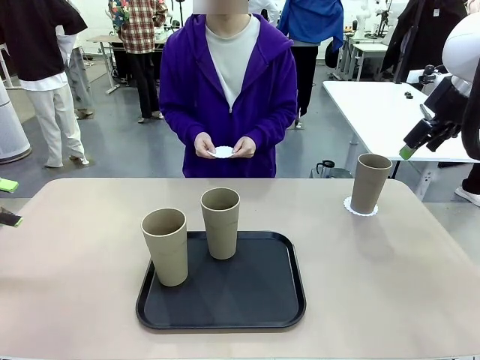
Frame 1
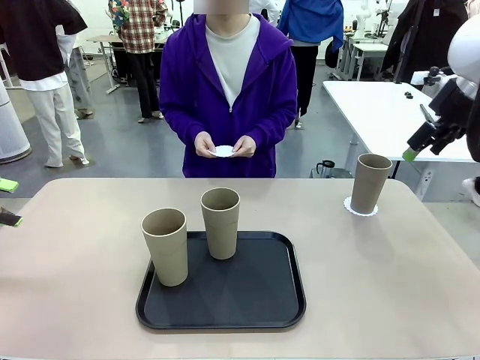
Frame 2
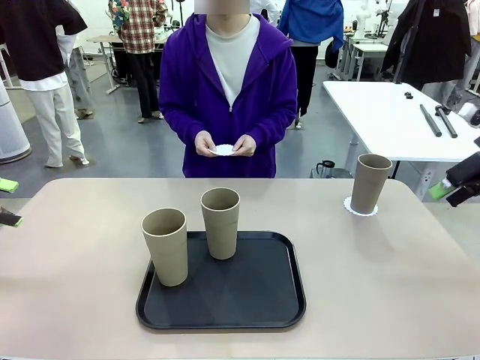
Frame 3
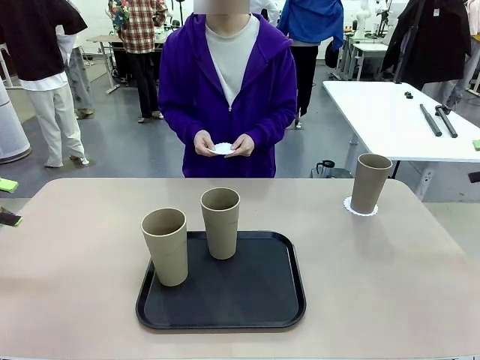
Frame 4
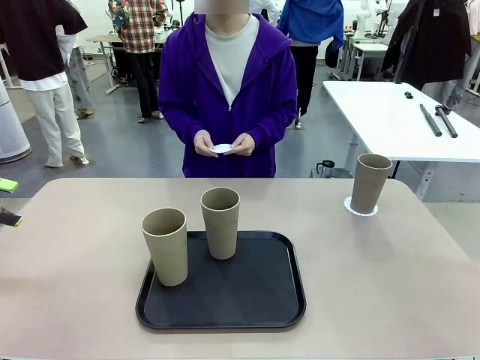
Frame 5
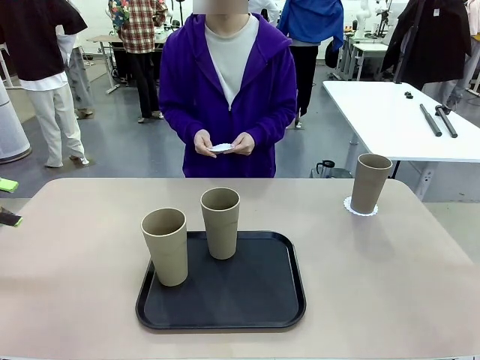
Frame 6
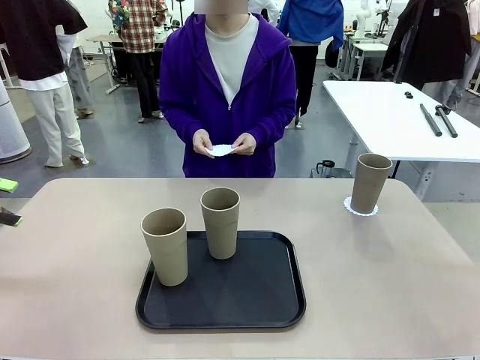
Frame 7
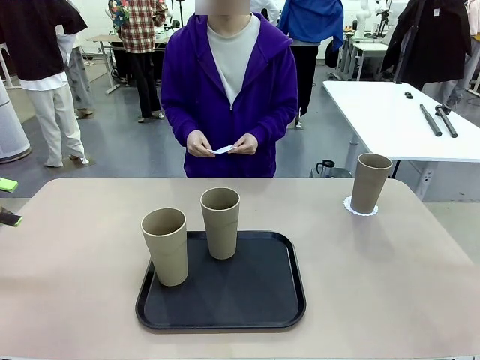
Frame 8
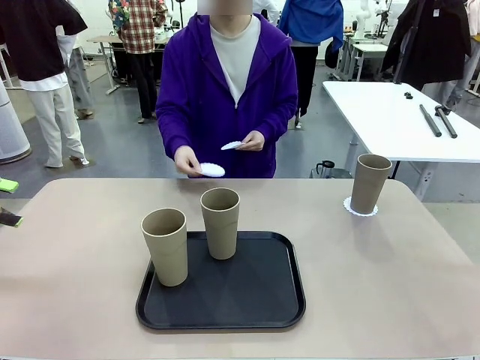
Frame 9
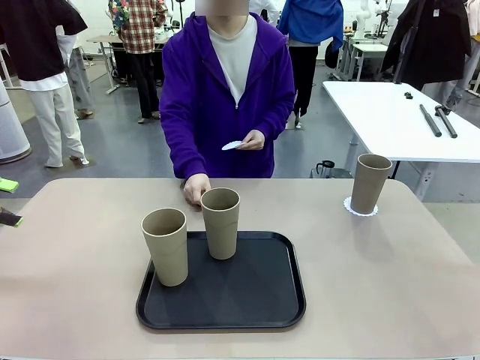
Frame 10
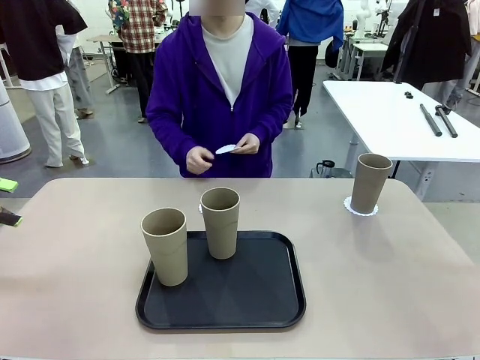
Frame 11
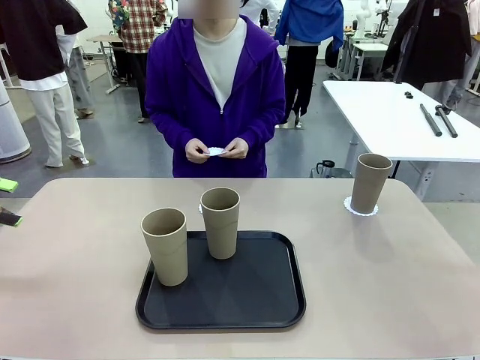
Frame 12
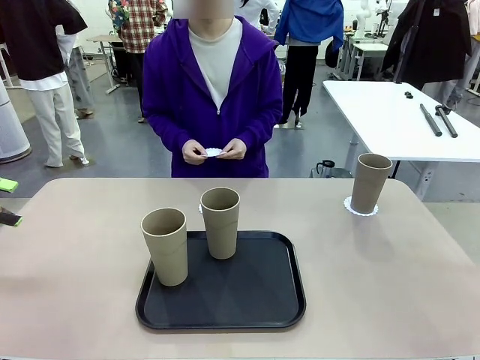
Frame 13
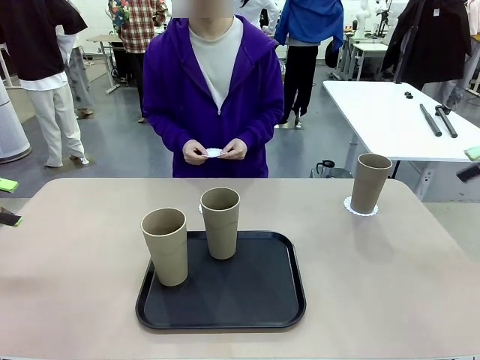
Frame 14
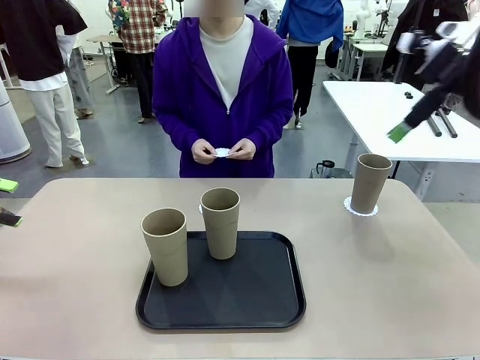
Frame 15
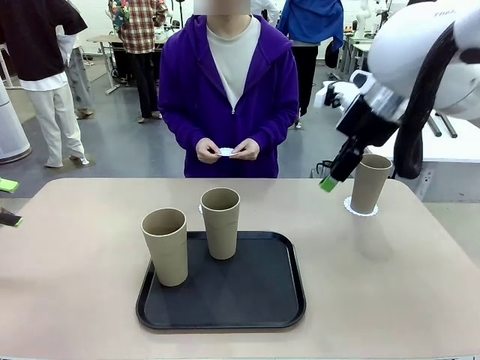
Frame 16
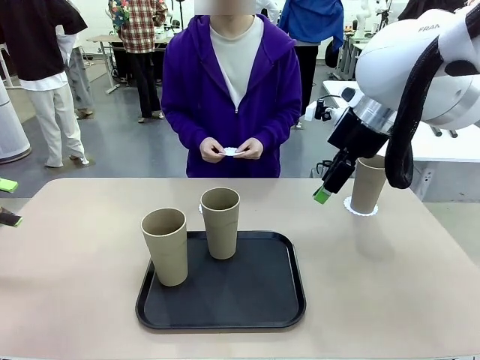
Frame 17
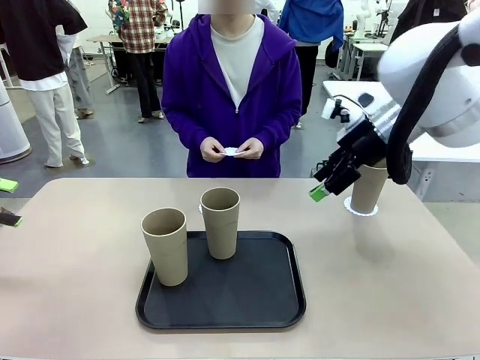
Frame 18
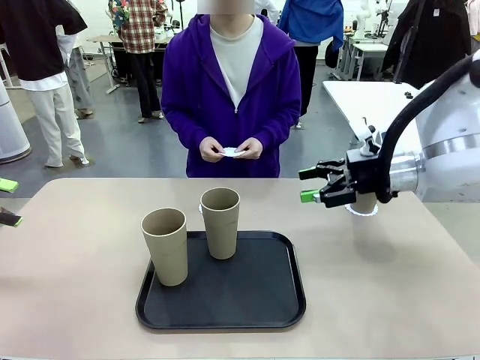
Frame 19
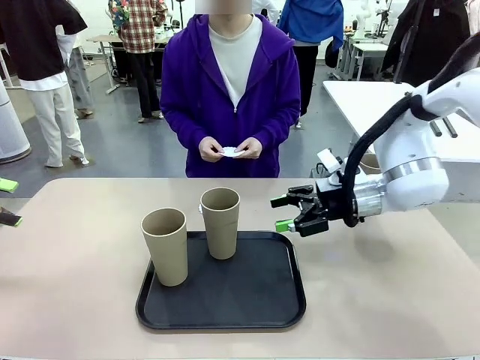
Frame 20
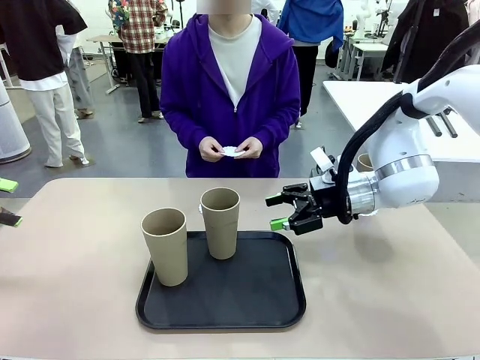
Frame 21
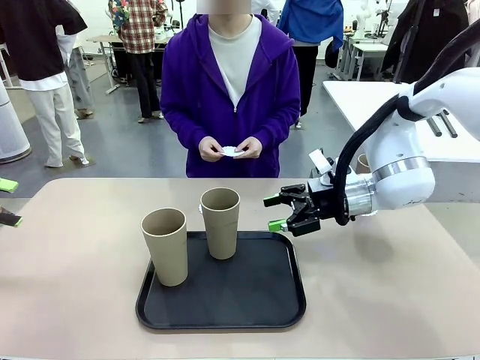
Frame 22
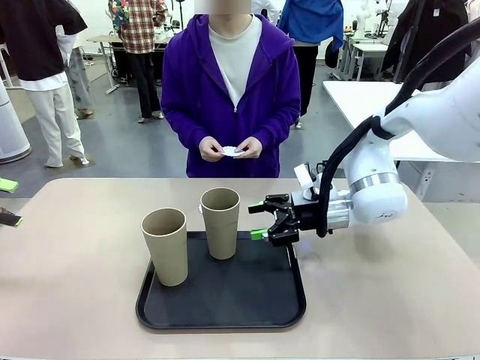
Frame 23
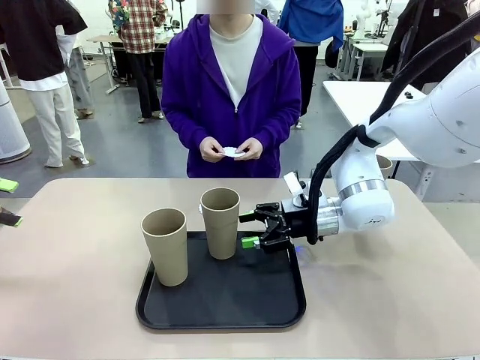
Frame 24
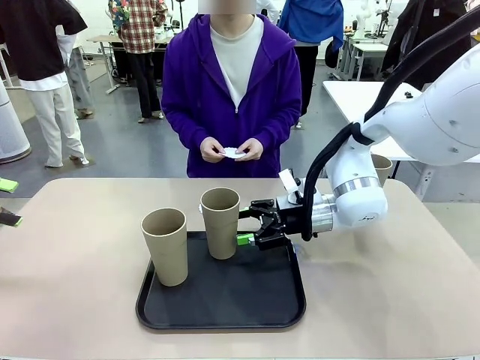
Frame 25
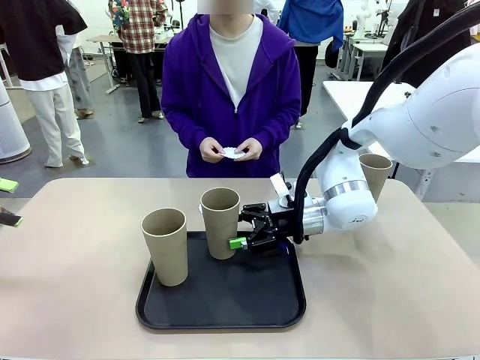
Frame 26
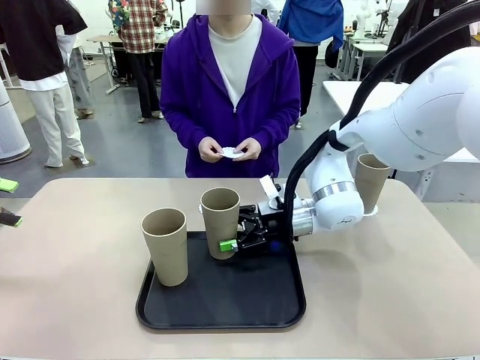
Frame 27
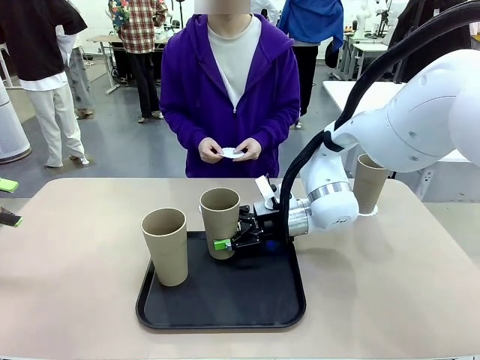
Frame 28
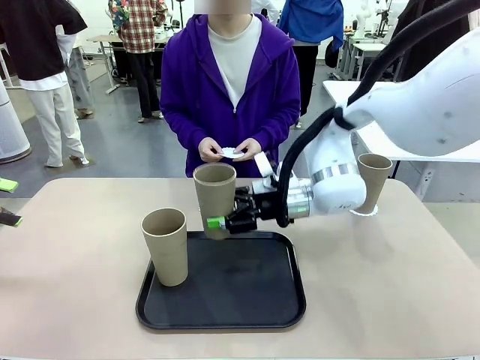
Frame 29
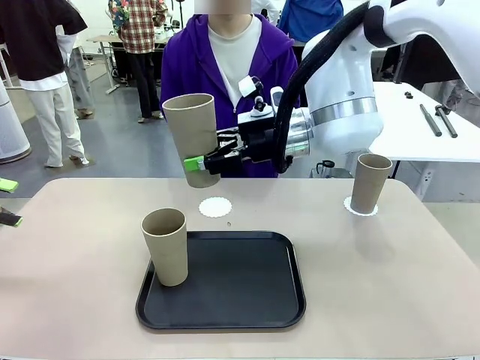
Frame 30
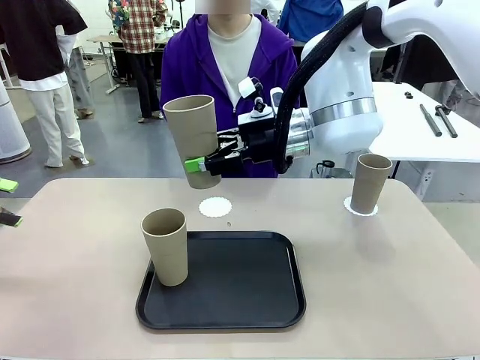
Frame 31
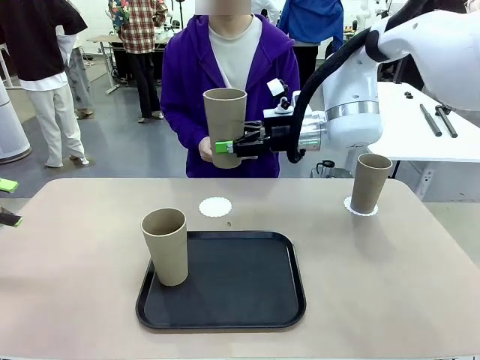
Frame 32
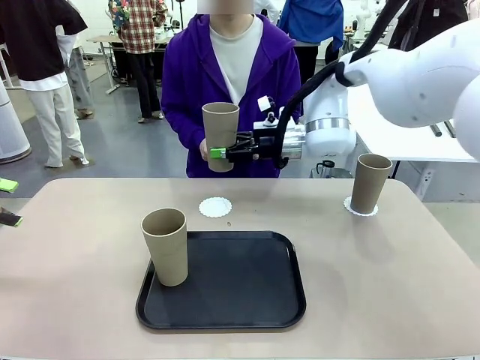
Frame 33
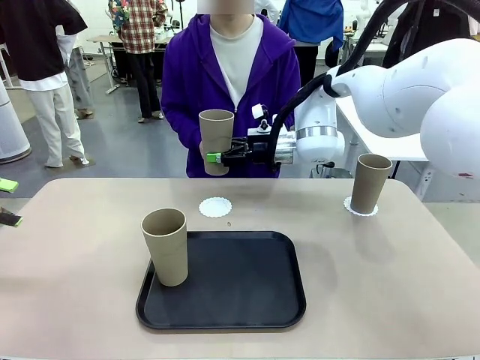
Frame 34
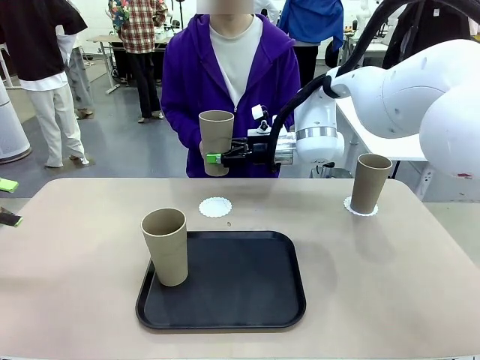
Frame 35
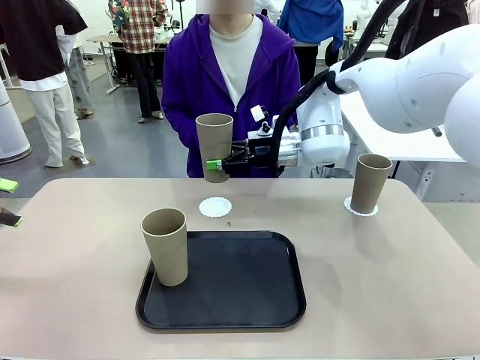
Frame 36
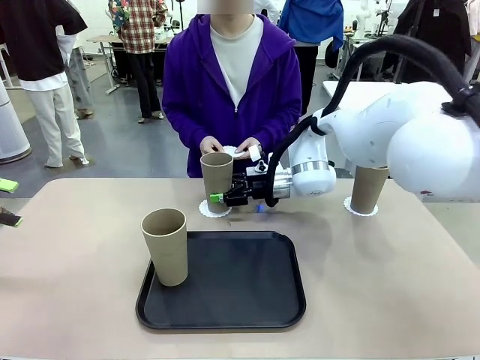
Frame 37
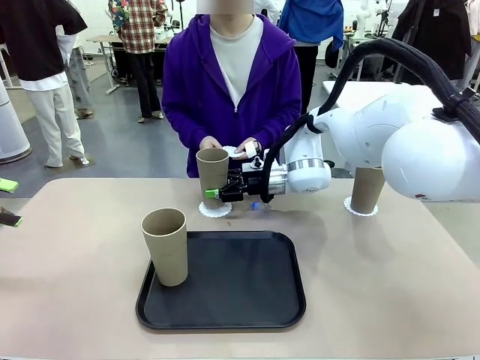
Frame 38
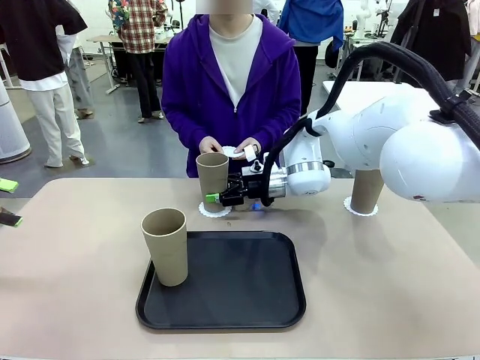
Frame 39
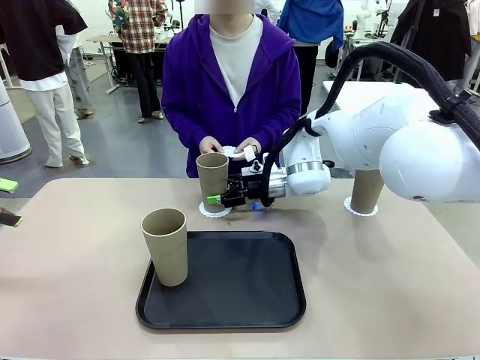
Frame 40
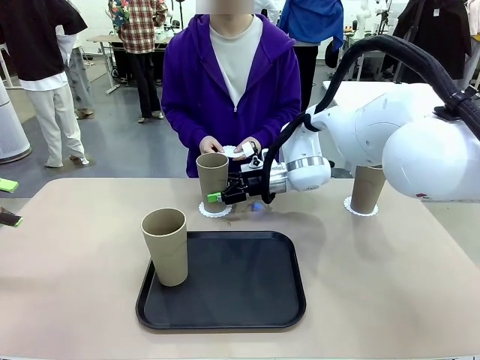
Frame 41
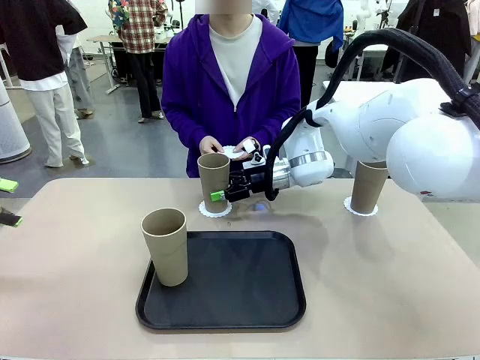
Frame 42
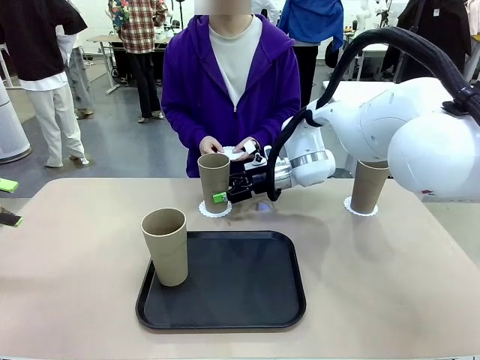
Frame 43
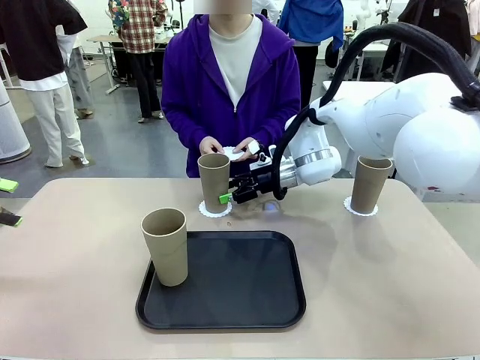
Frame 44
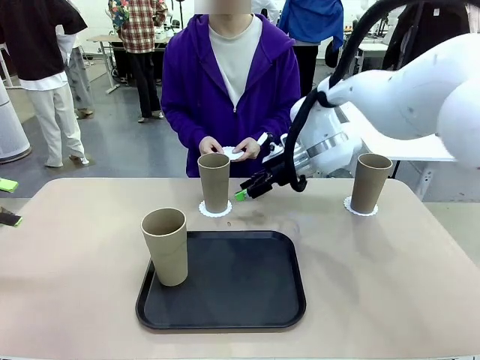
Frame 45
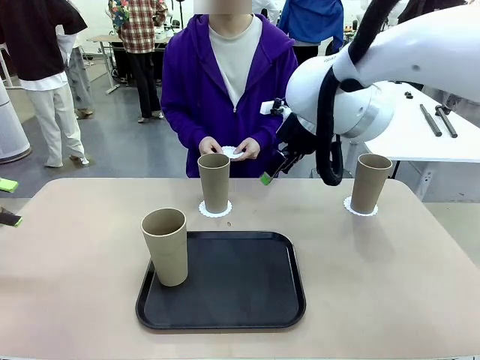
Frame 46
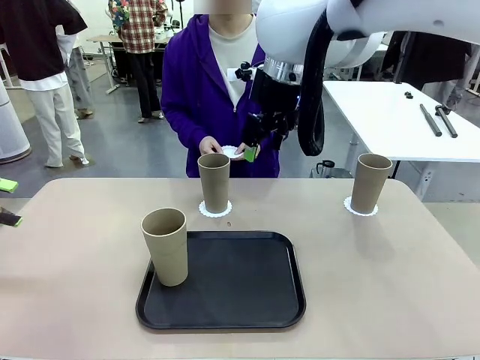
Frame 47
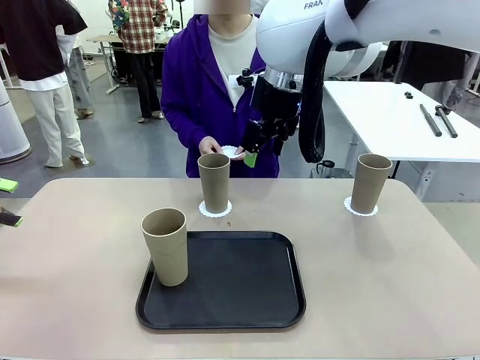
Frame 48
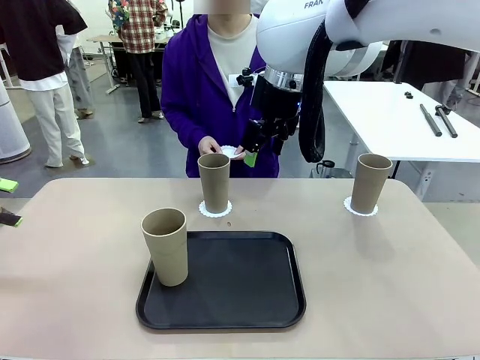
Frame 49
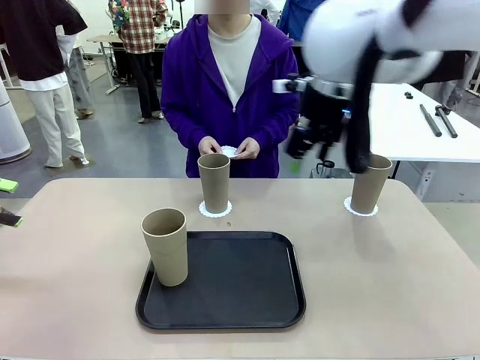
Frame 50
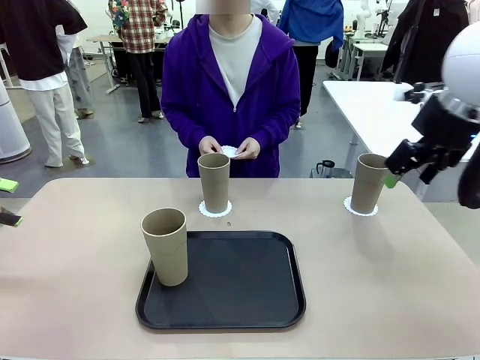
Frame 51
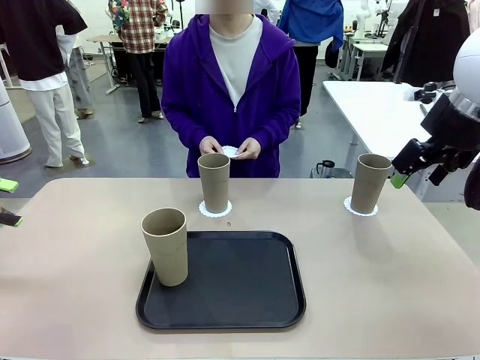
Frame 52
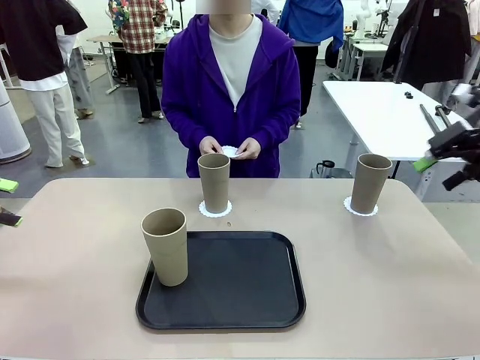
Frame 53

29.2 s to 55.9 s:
Task: Place coasters on the table and set cups on them.
Robot: Take one Reusable plastic cup from the Flat Tray and place it on a coaster set by the human.
